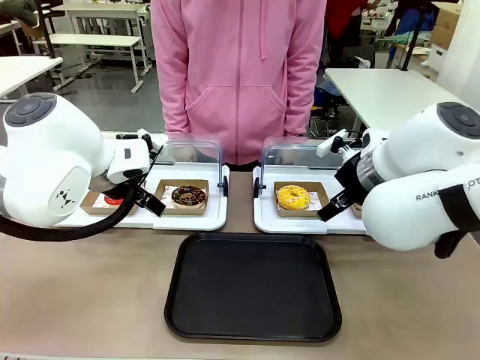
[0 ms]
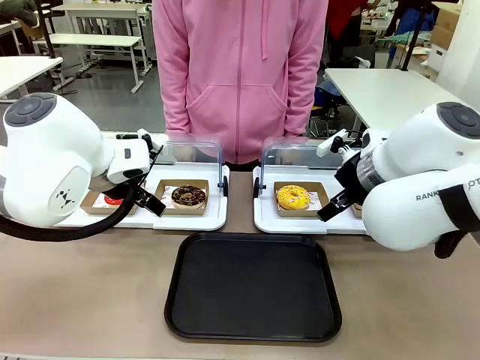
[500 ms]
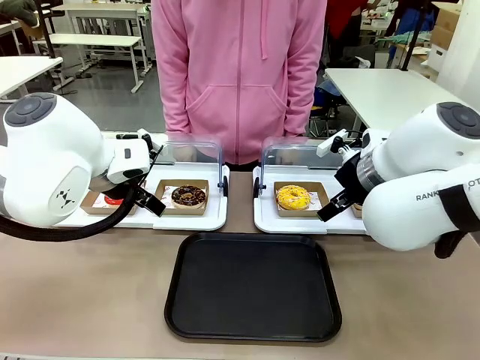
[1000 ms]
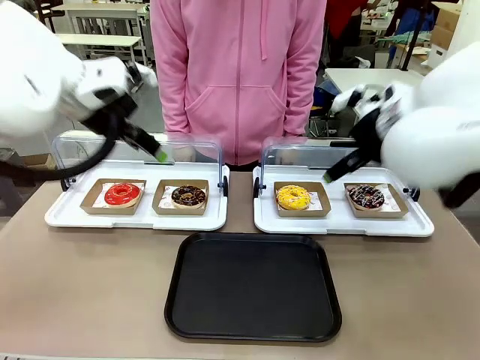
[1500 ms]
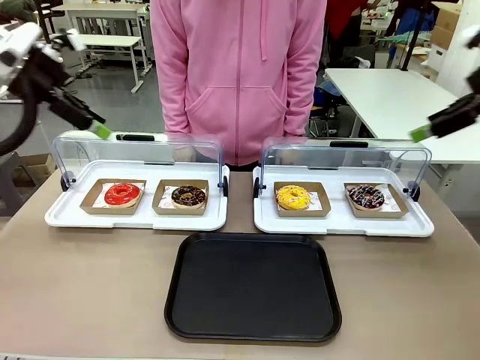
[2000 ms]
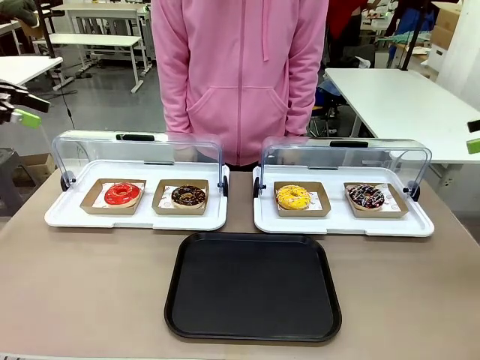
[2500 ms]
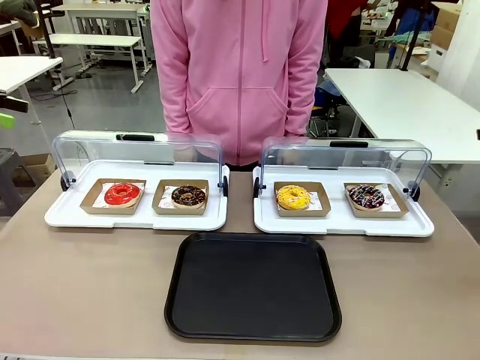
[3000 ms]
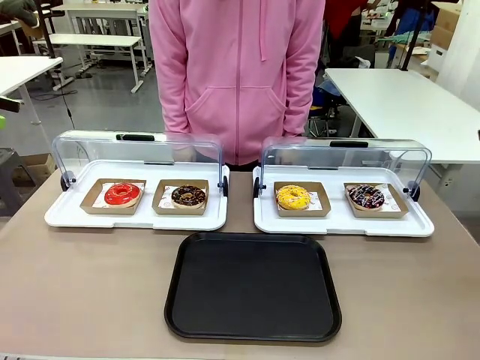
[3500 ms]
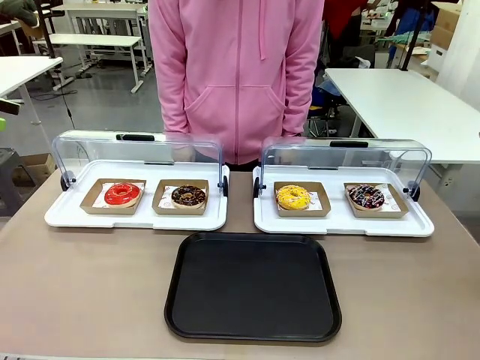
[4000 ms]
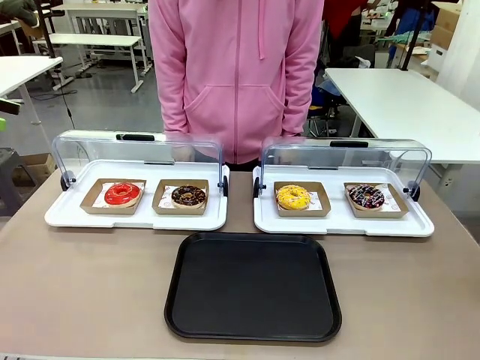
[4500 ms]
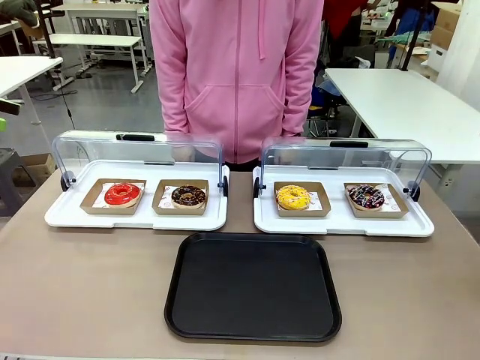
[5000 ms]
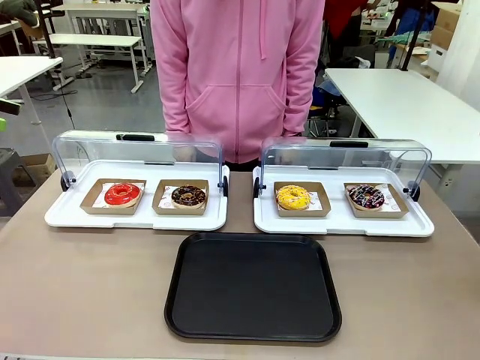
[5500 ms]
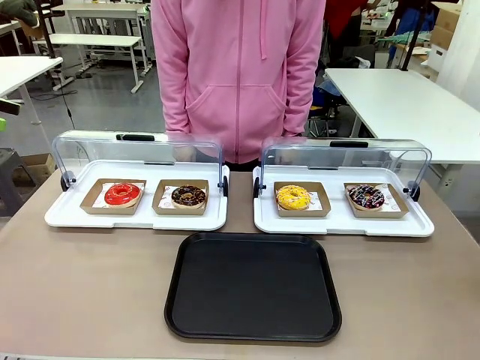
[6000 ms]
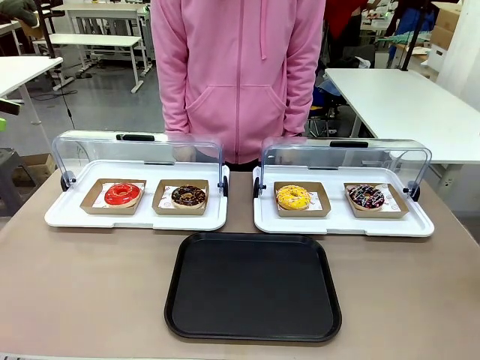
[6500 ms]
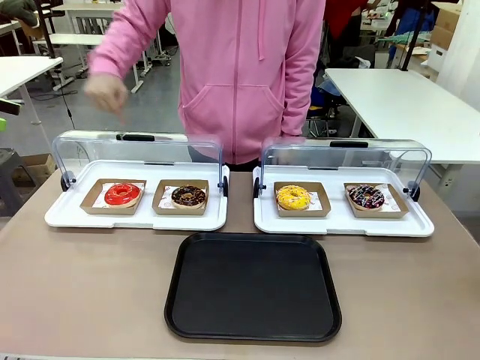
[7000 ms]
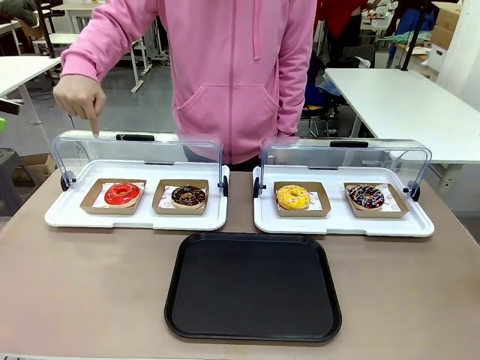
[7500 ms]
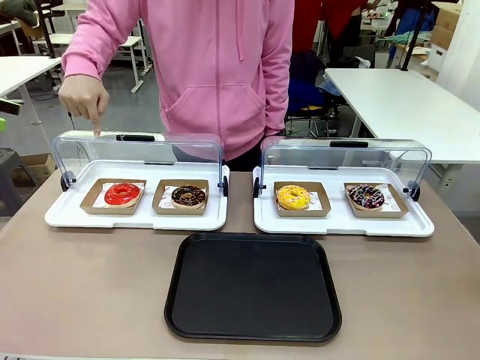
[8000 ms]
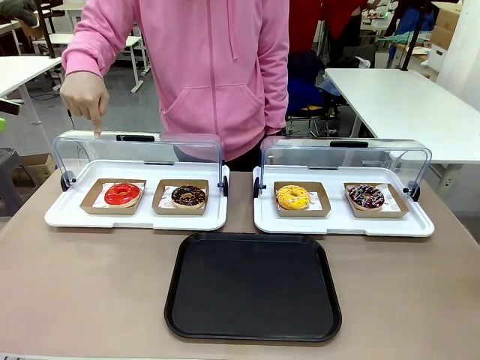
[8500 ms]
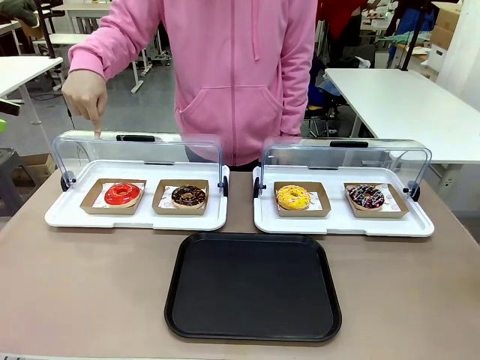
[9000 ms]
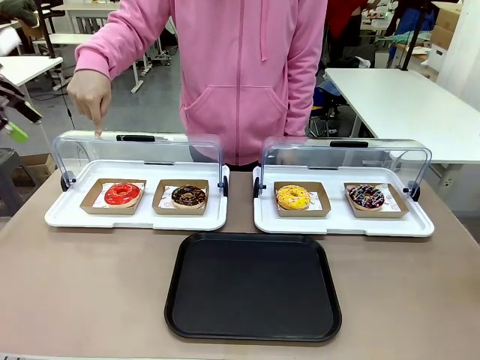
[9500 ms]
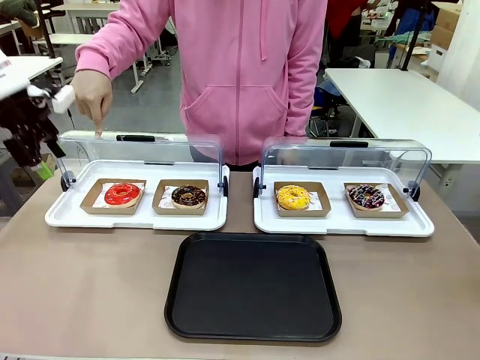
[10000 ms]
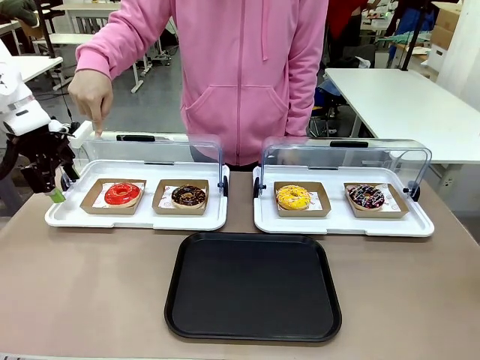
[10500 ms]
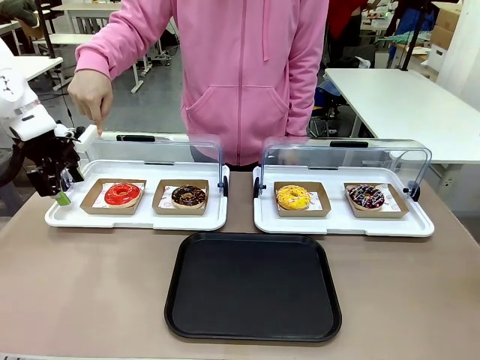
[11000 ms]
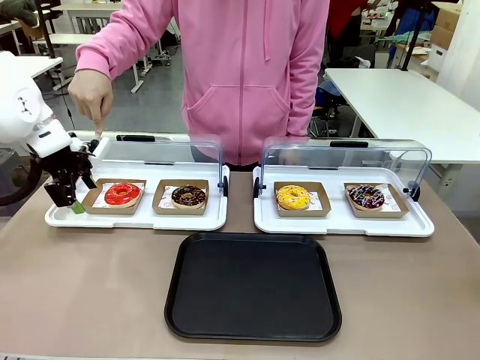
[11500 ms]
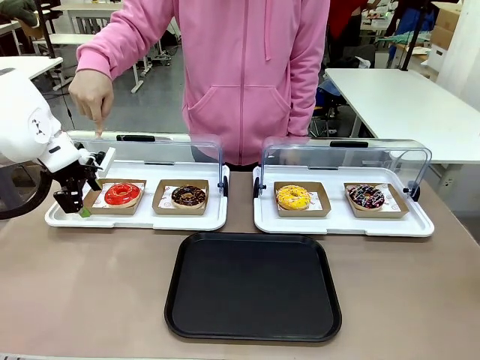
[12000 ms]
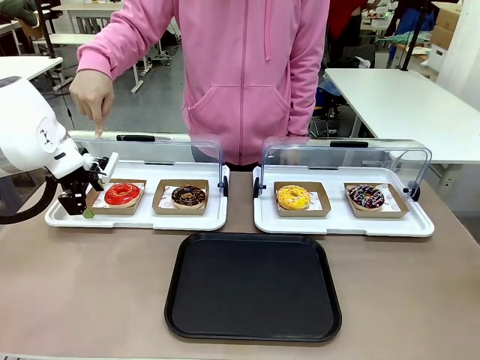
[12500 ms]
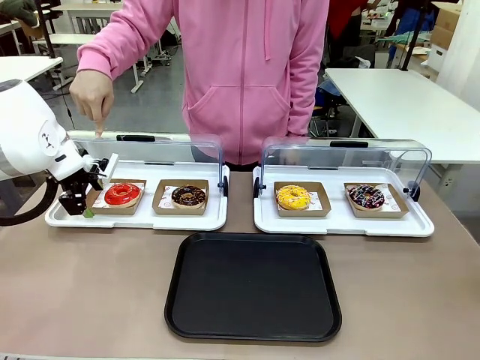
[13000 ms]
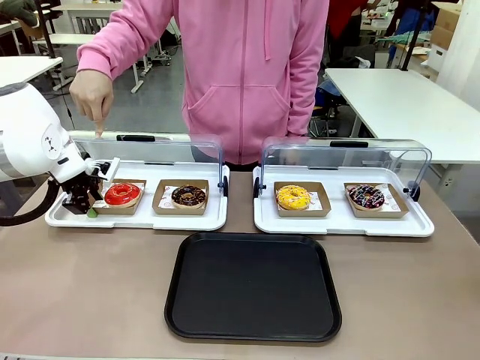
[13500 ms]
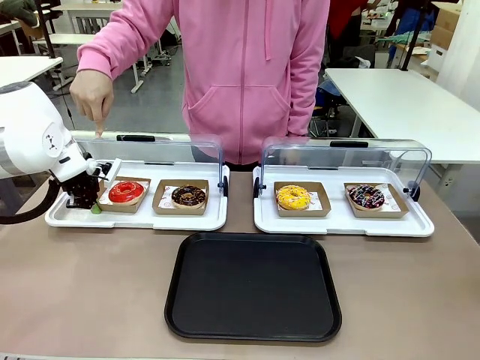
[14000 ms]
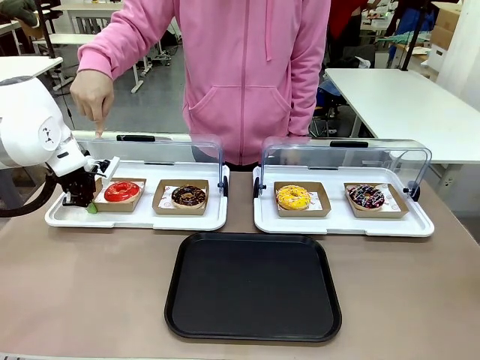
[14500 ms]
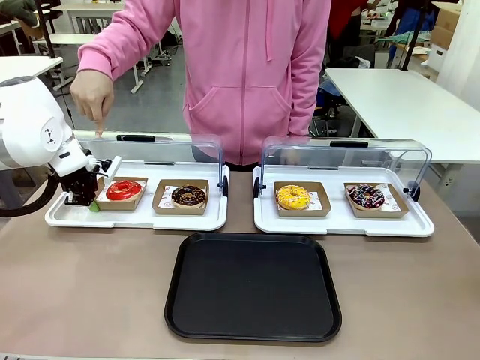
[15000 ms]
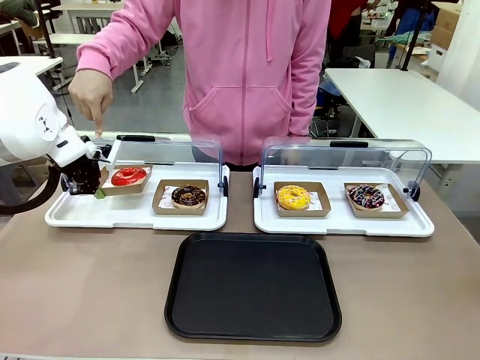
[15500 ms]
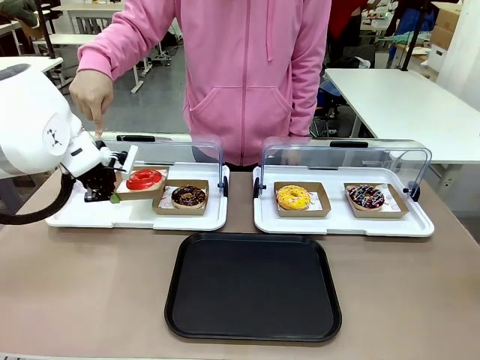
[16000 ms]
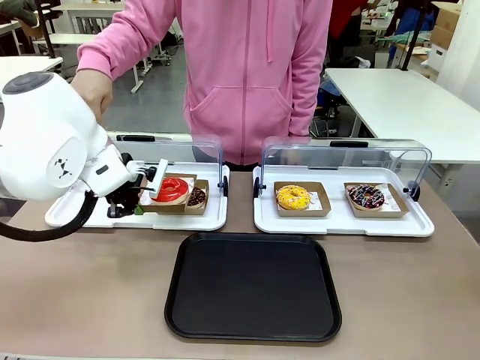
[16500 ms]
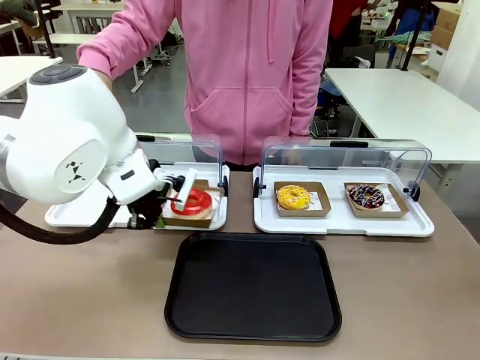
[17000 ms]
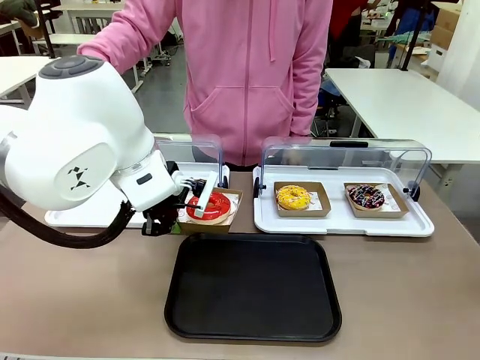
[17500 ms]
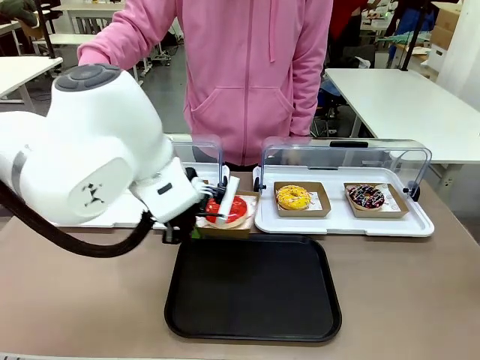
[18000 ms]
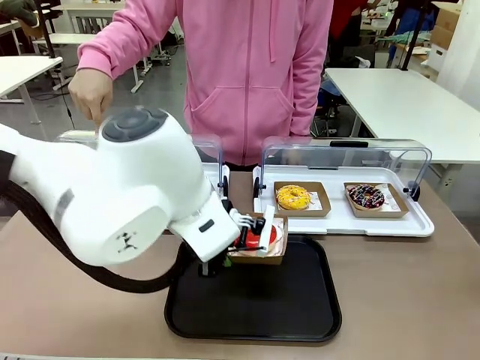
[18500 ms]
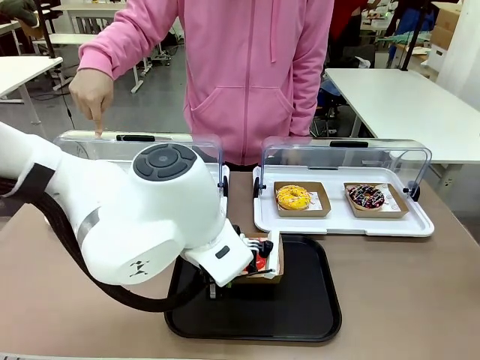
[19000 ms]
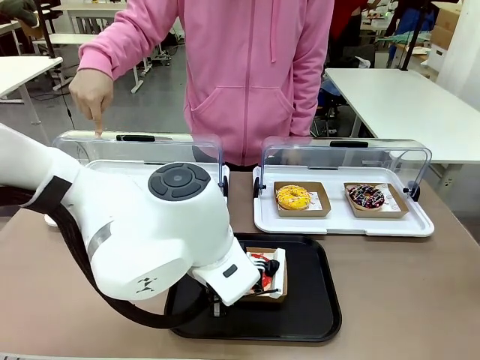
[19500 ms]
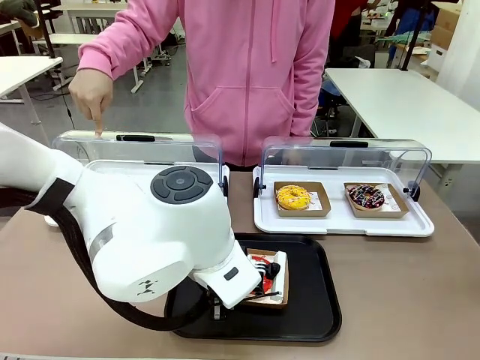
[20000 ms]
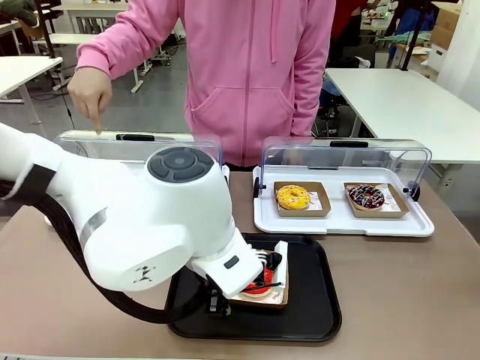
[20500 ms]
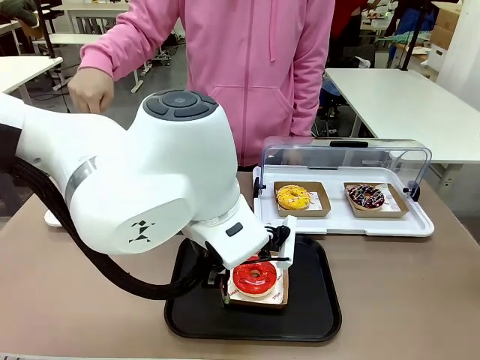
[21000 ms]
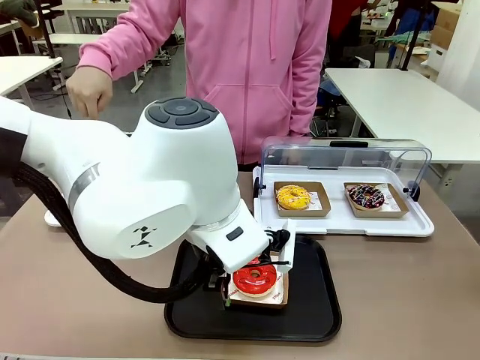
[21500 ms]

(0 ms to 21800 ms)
Task: Move the first donut from the left to the tray.
Robot: Pick up the Paper togo box containing the Donut indicated by the person and place it on the Handle tray.
Person: Points to the first donut from the left from the robot’s perspective.
